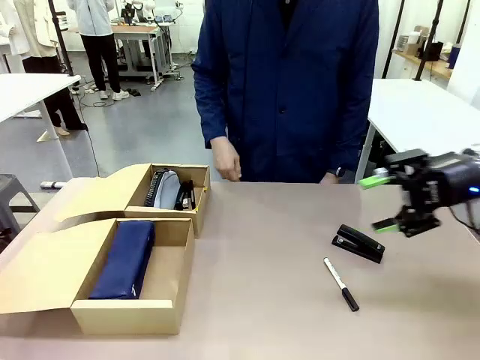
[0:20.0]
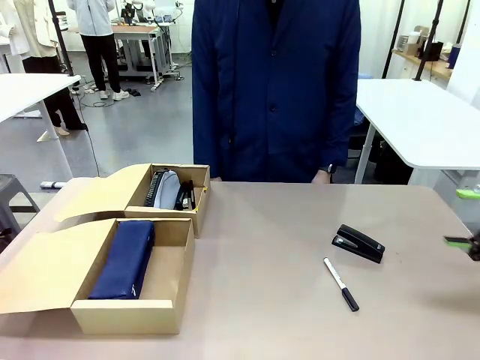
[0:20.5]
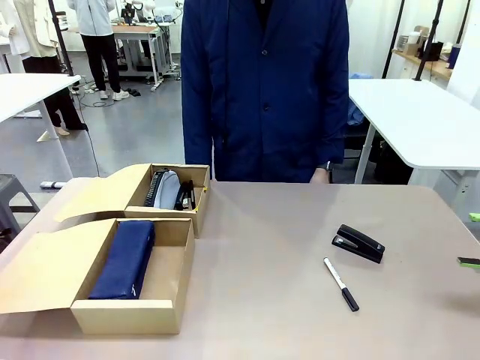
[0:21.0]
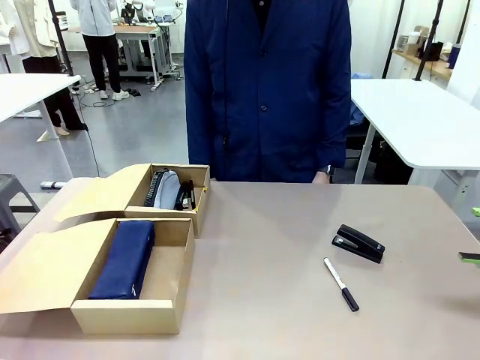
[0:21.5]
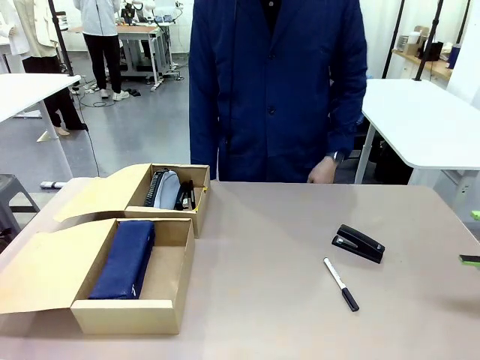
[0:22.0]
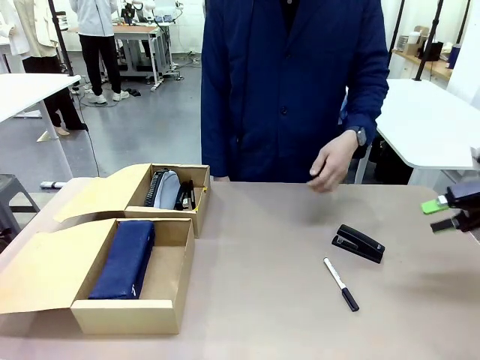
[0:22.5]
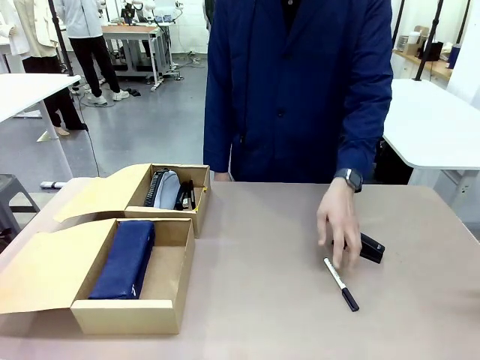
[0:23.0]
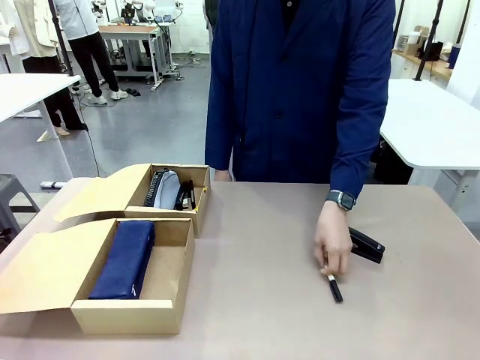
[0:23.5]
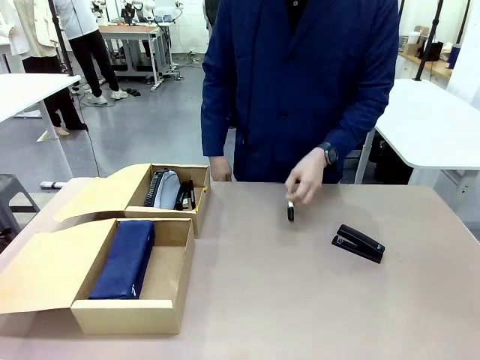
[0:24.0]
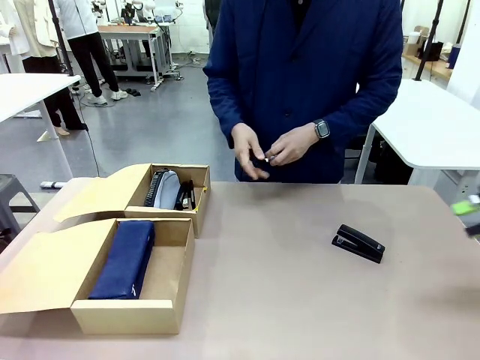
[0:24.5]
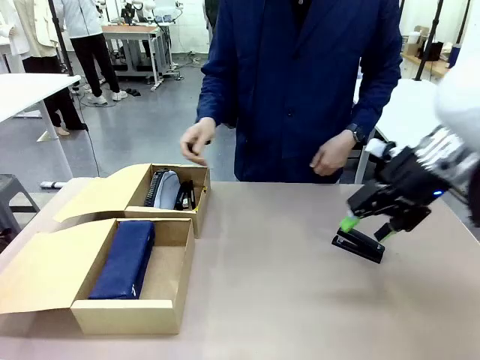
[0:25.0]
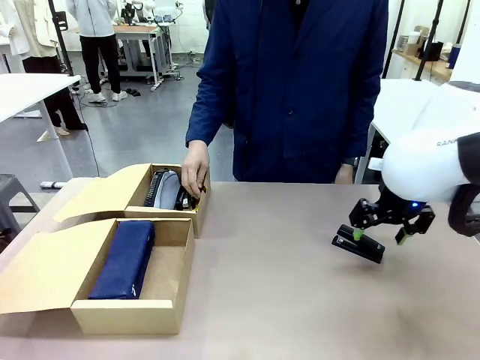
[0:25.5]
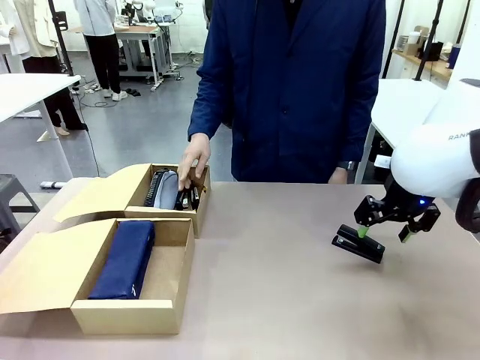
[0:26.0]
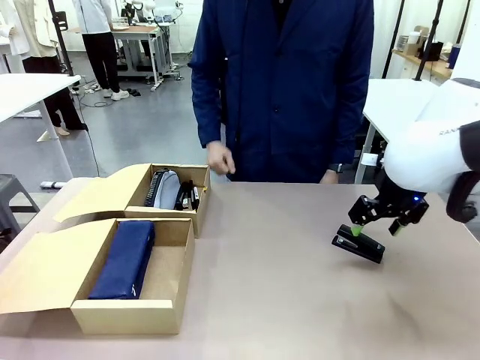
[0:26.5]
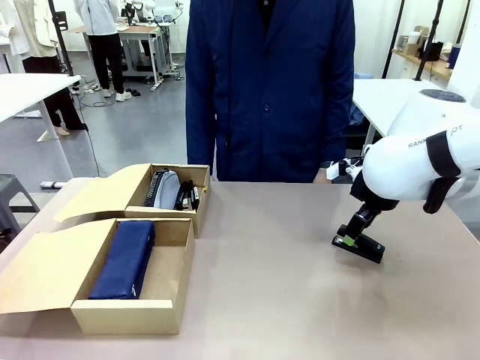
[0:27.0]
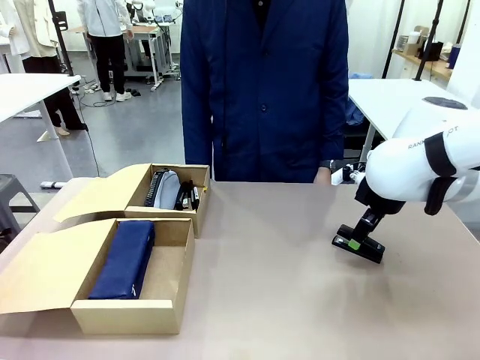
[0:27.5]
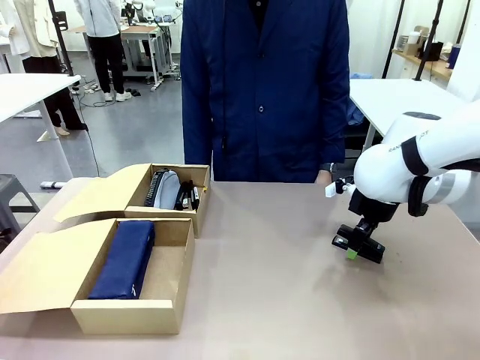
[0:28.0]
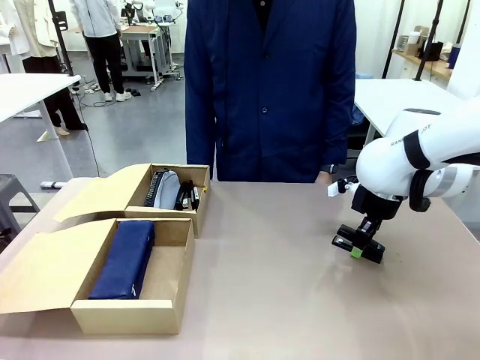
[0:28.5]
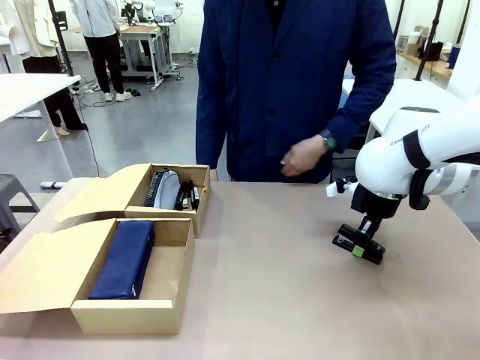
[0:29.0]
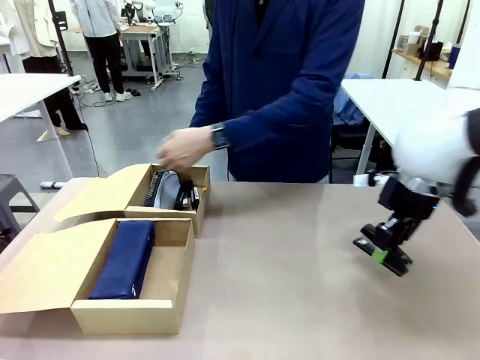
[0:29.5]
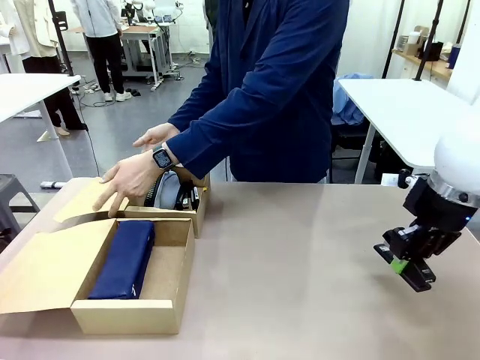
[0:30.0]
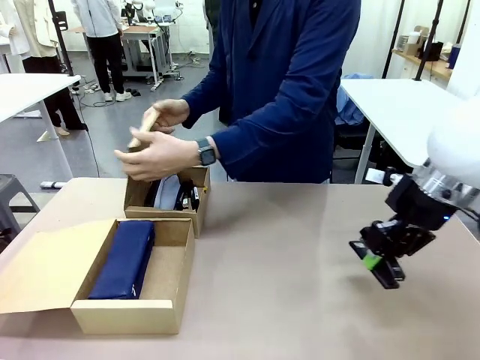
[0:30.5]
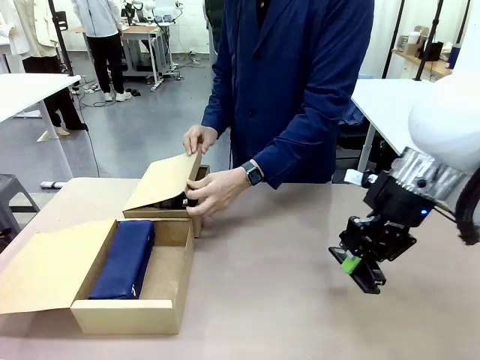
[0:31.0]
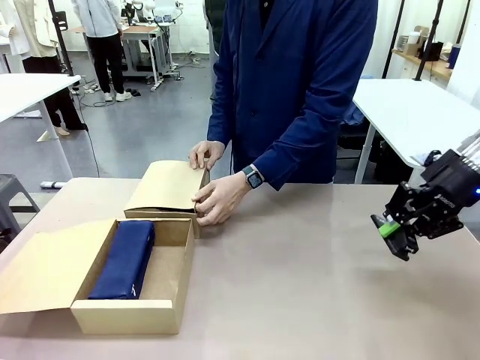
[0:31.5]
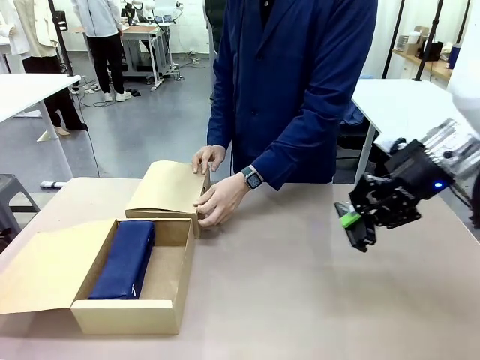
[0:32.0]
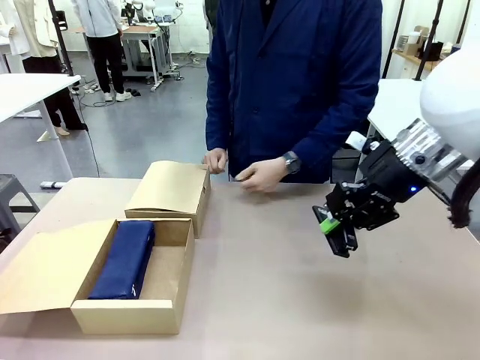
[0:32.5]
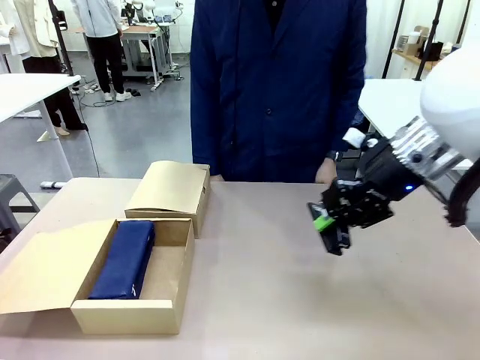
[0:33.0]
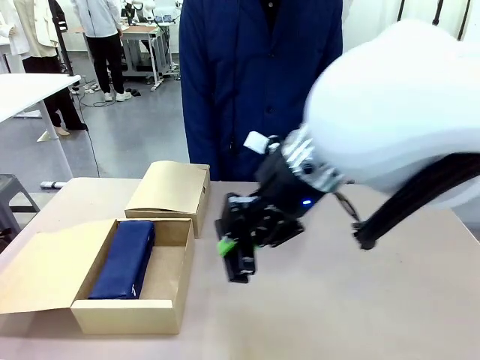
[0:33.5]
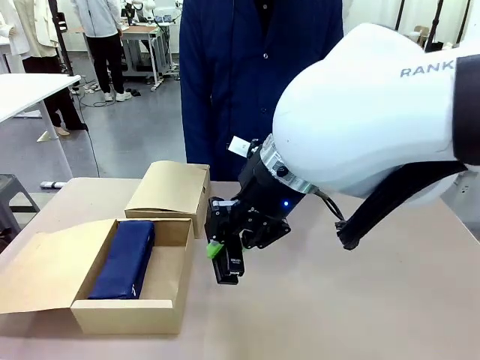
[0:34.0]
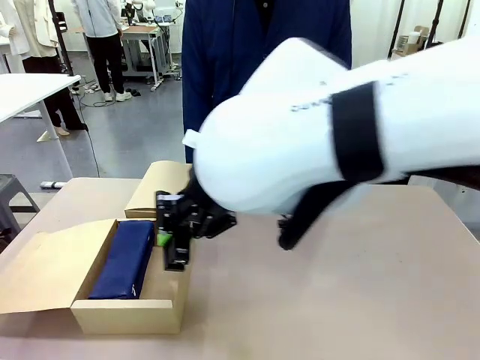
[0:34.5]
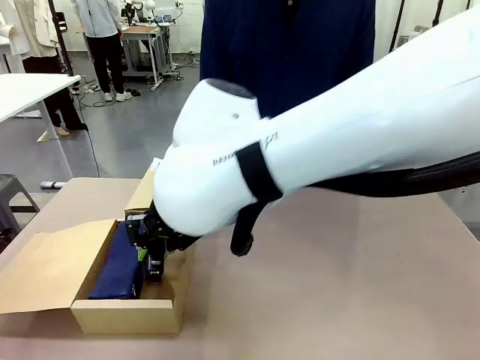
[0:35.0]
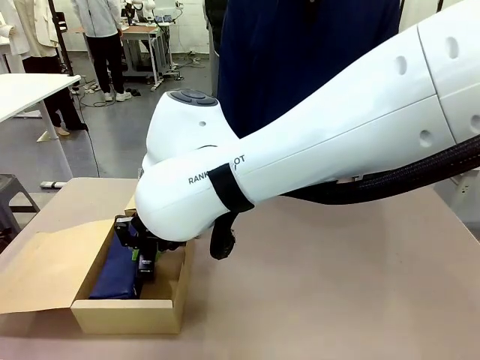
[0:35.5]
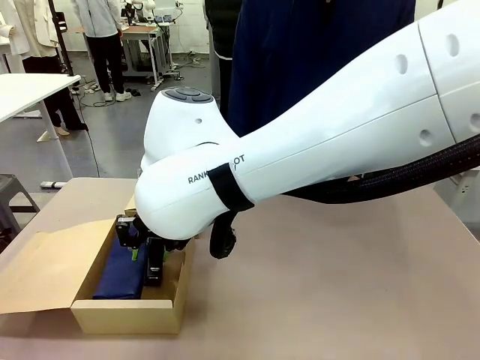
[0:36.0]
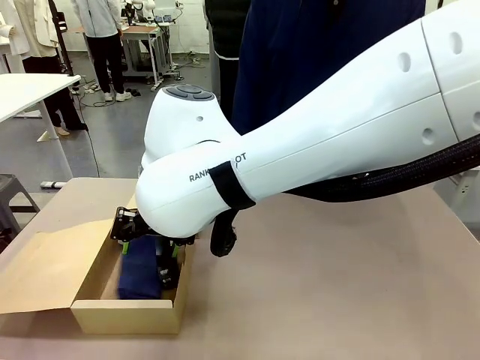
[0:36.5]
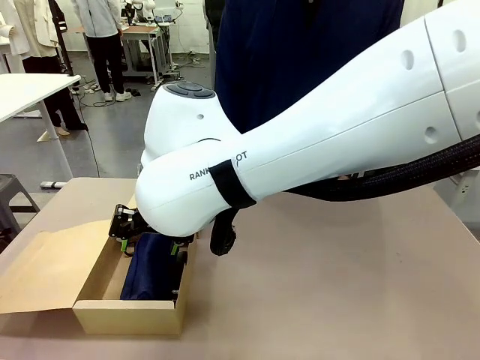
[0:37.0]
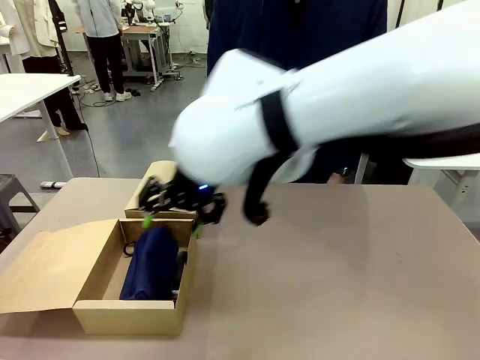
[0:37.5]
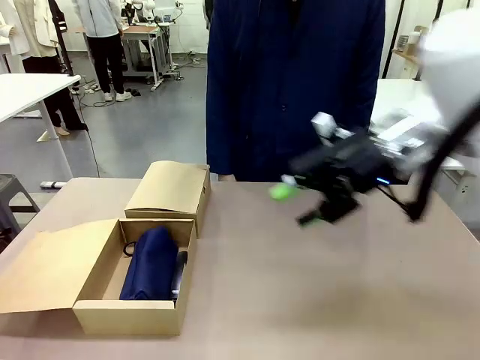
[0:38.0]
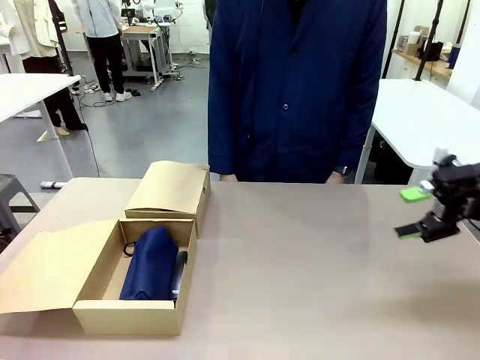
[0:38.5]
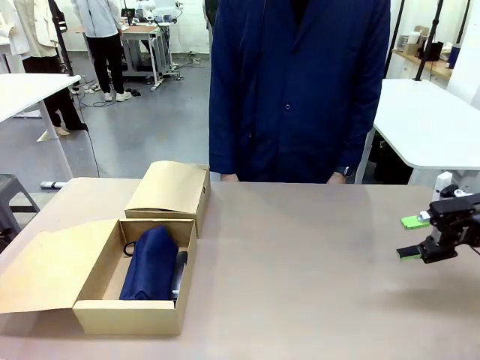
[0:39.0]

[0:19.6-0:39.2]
Task: Place items inside the box.
Robot: Pick up a Pencil pouch or Stapler and place it inside the Mailer Box closest to the robot.
Person: Close the lid of the box facing the person.

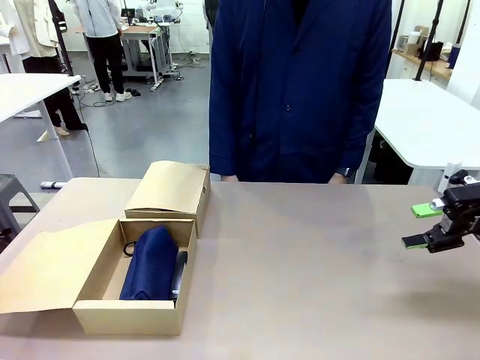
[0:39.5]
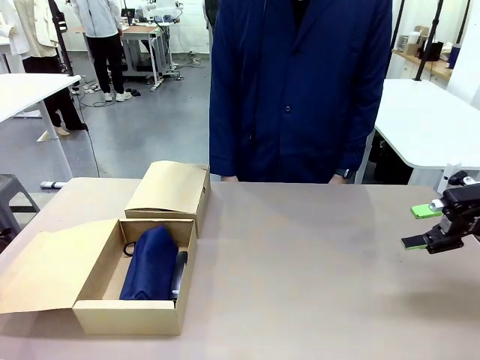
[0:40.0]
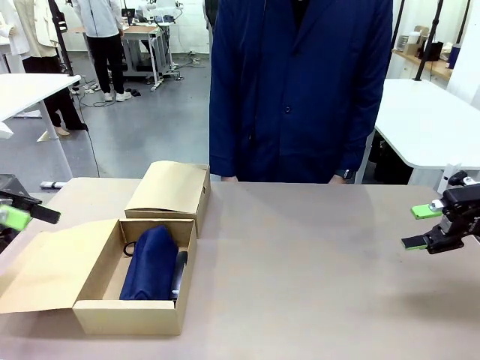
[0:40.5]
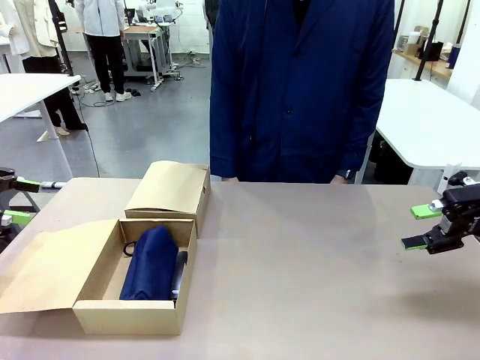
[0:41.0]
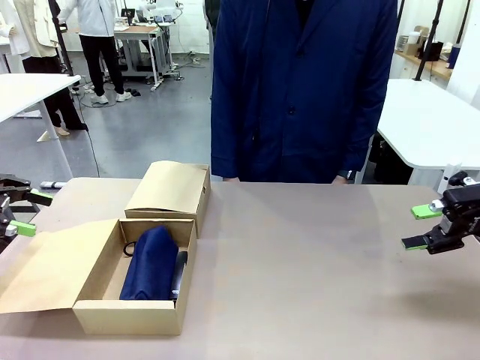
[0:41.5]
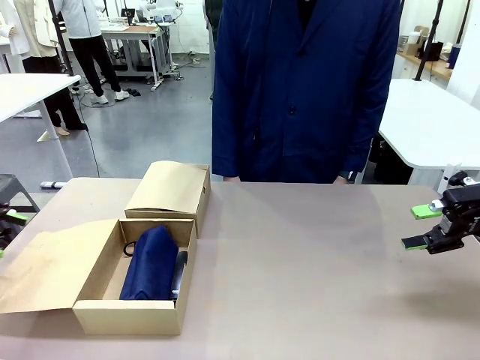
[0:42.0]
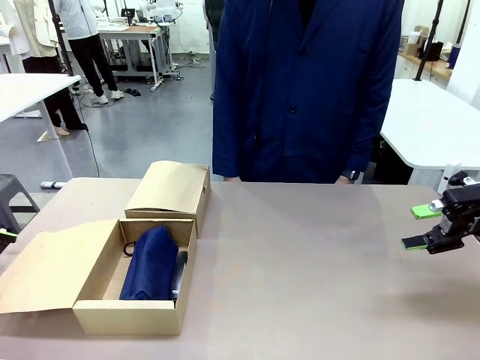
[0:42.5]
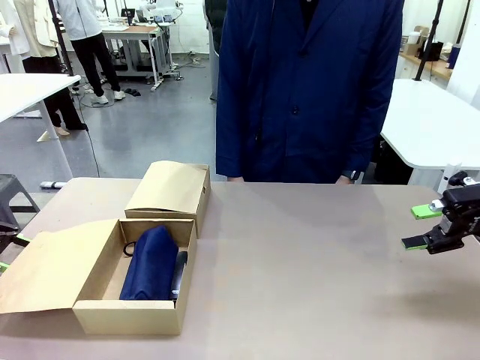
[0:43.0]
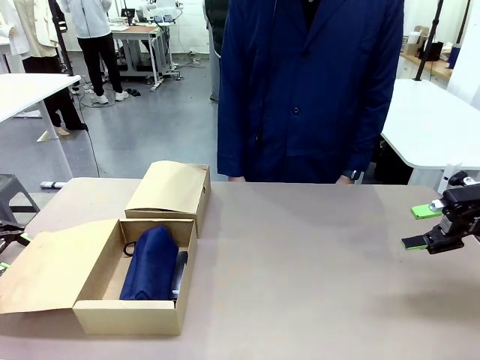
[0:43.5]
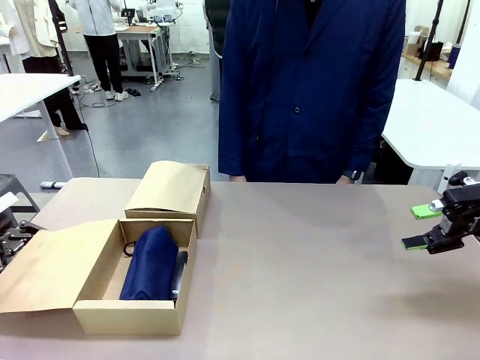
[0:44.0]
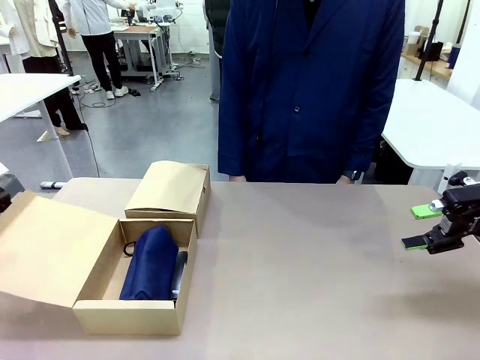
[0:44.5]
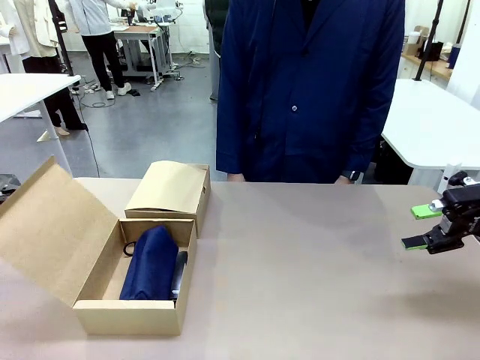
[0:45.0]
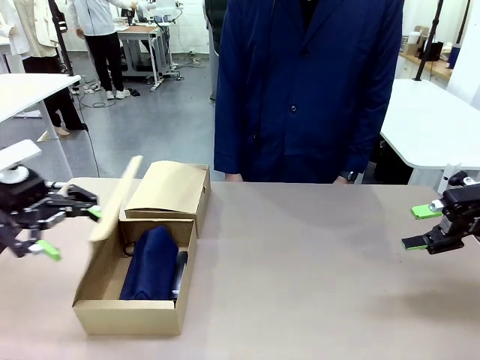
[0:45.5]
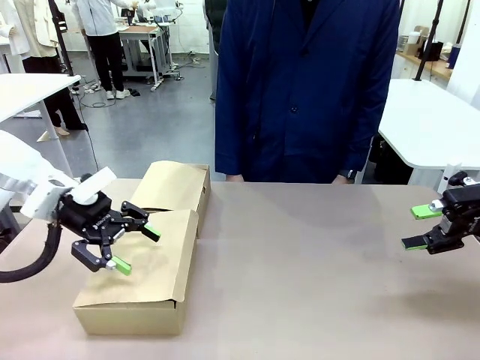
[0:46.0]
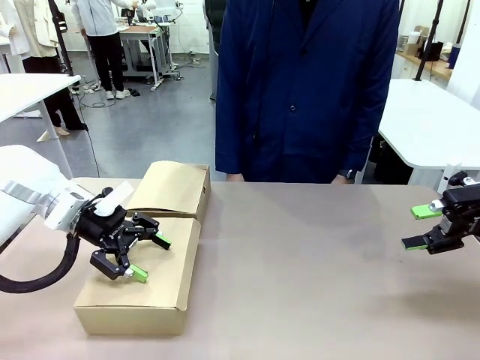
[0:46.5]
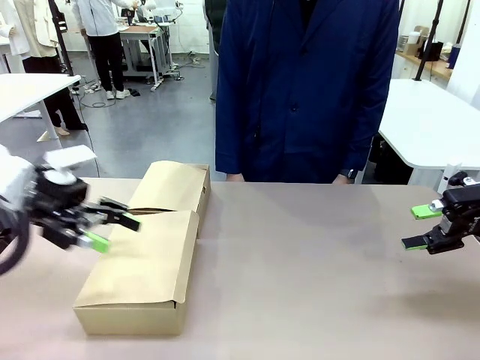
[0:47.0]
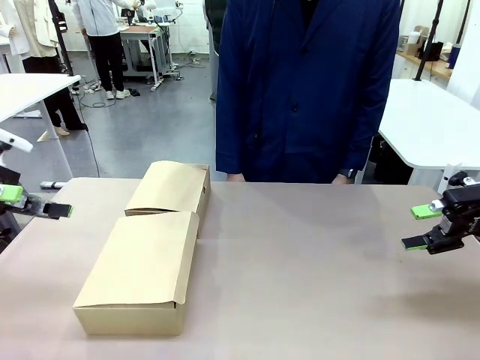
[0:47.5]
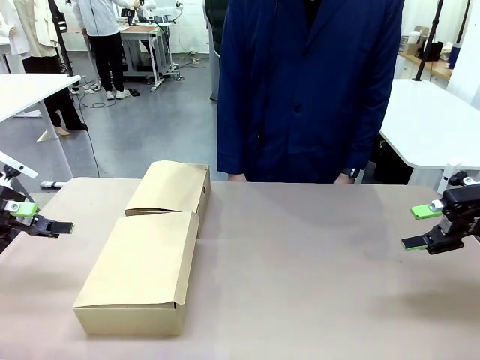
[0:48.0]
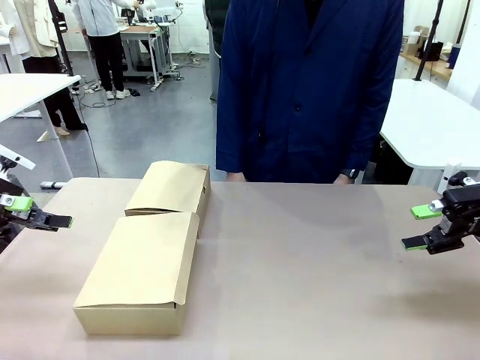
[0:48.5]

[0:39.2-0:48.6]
Robot: Close the lid of the Mailer Box closest to the robot.
